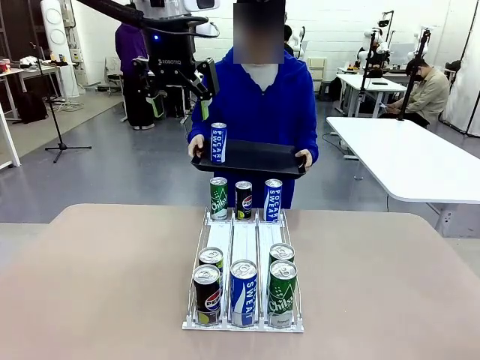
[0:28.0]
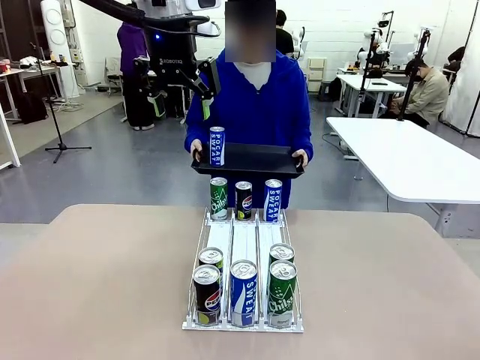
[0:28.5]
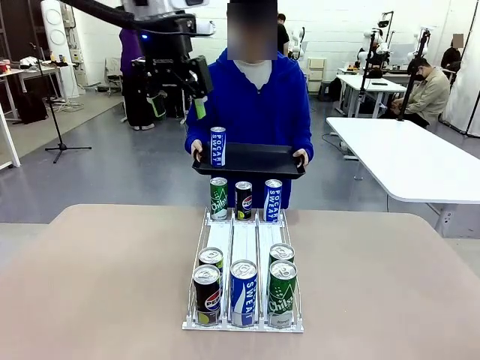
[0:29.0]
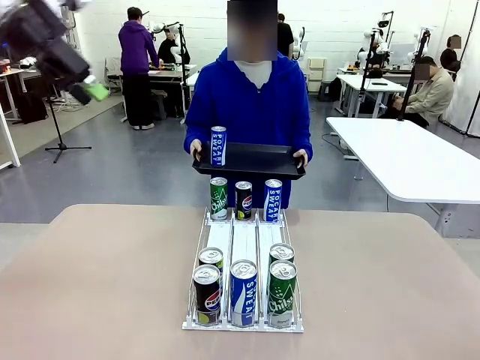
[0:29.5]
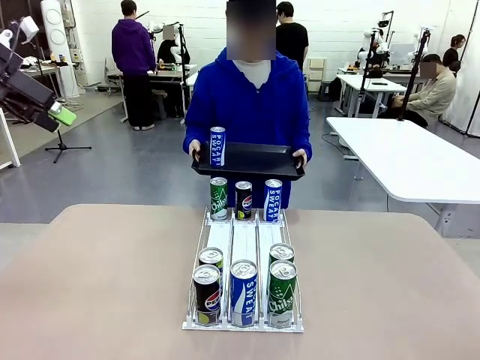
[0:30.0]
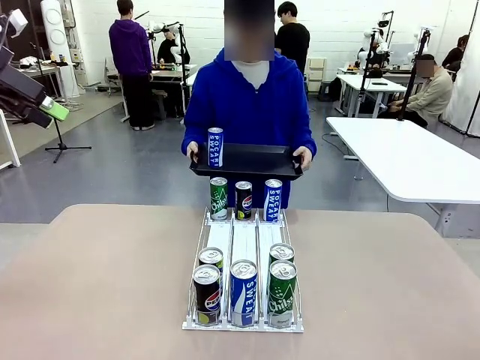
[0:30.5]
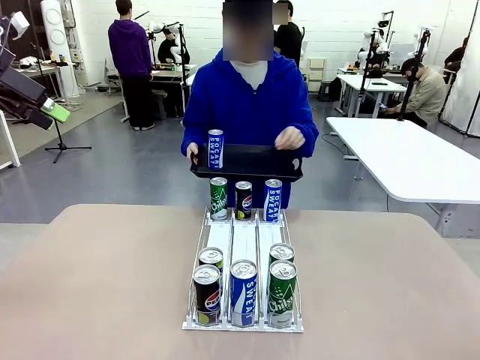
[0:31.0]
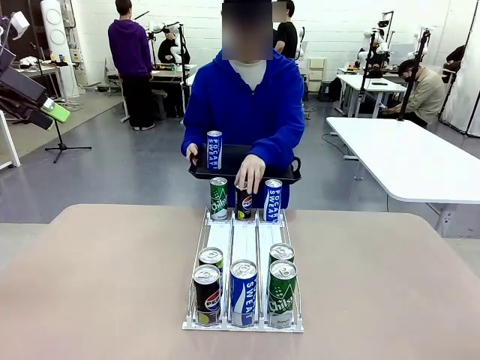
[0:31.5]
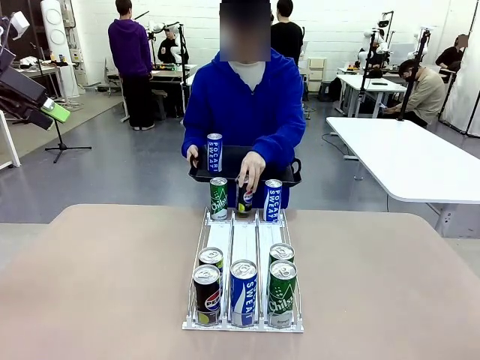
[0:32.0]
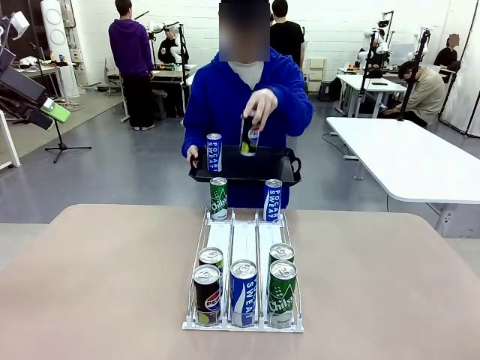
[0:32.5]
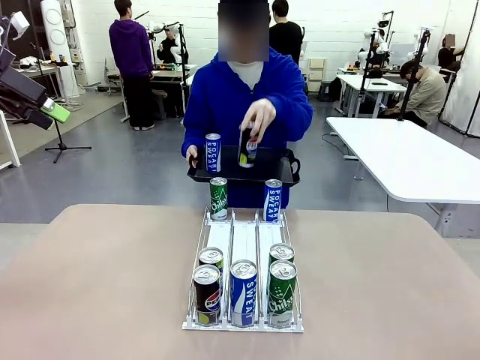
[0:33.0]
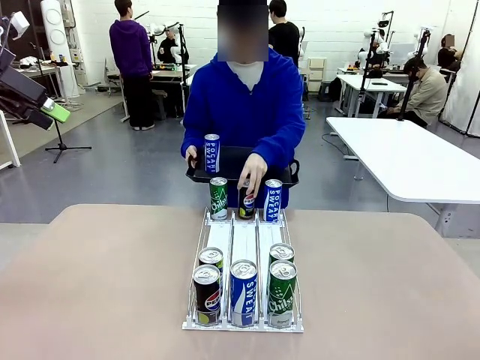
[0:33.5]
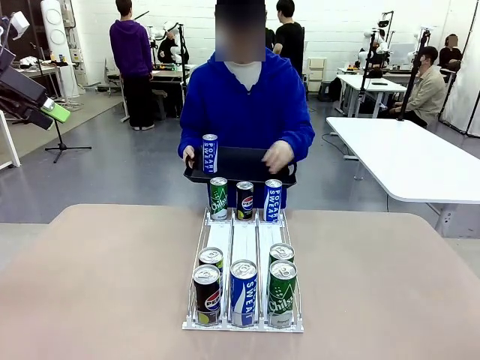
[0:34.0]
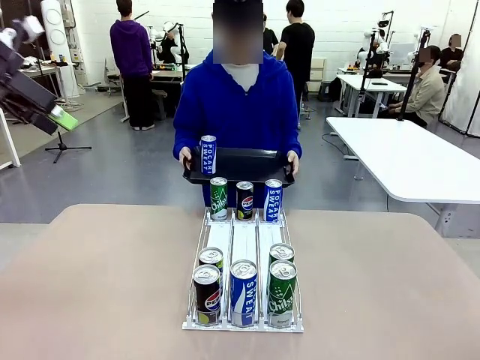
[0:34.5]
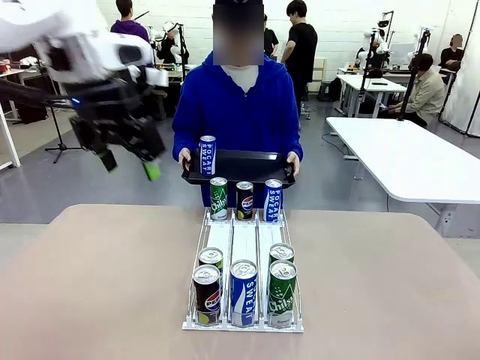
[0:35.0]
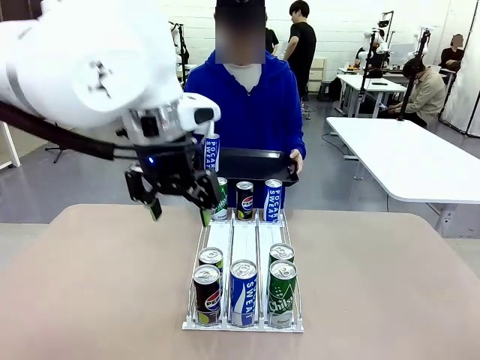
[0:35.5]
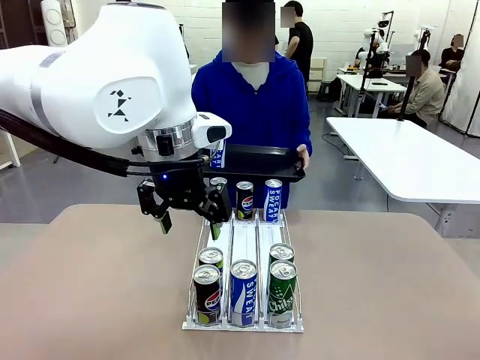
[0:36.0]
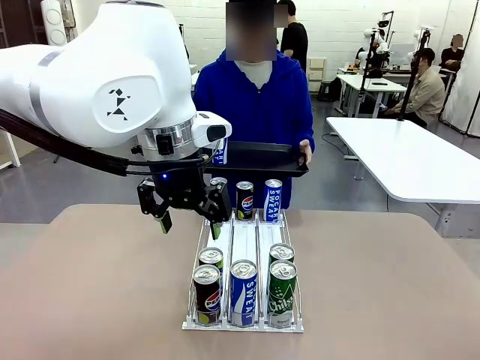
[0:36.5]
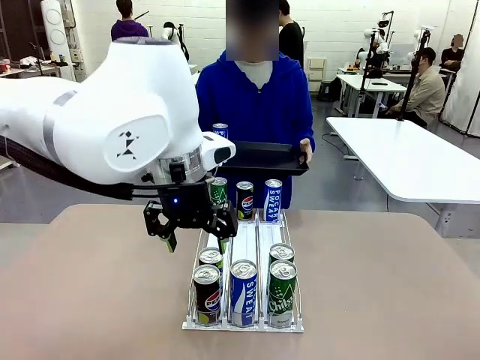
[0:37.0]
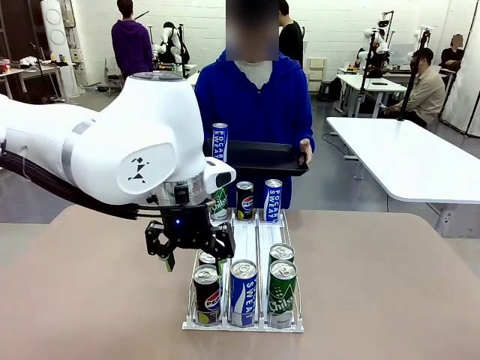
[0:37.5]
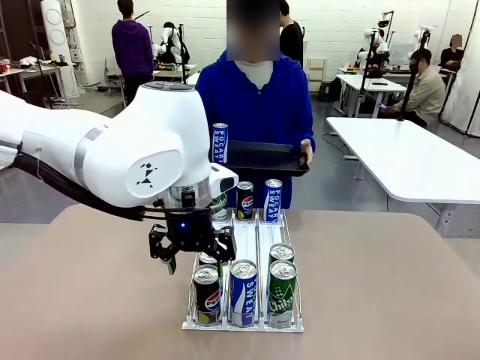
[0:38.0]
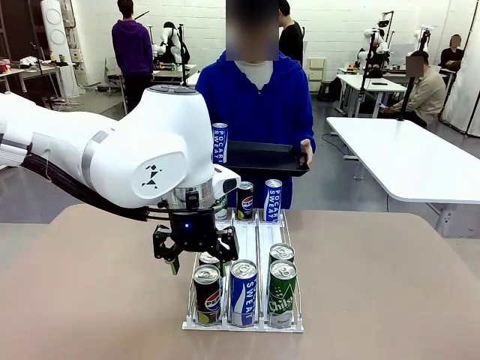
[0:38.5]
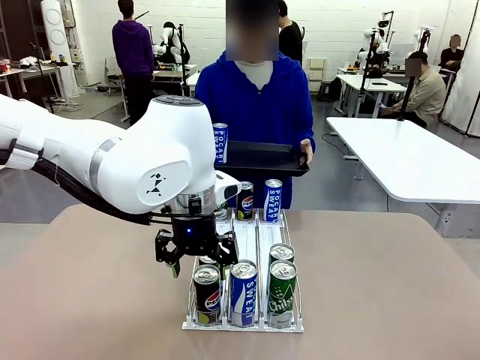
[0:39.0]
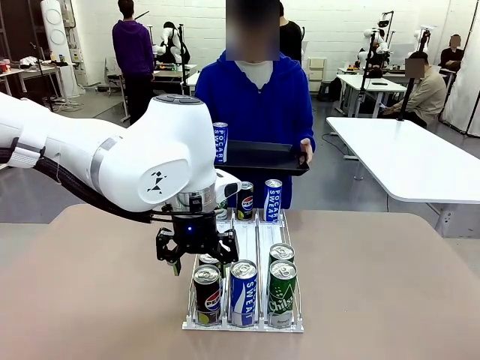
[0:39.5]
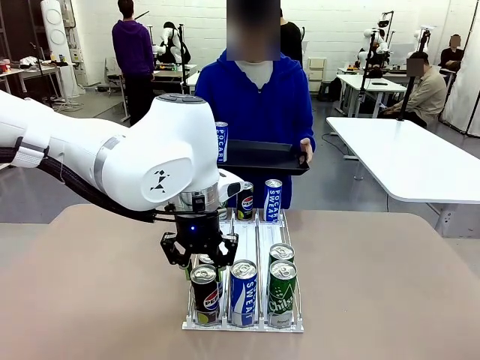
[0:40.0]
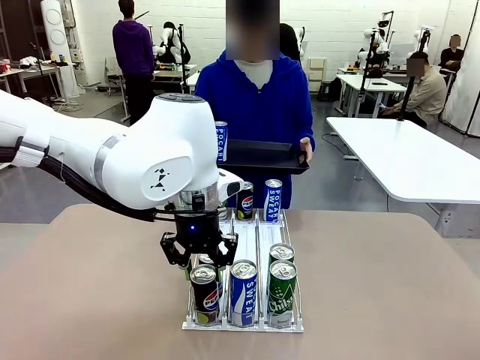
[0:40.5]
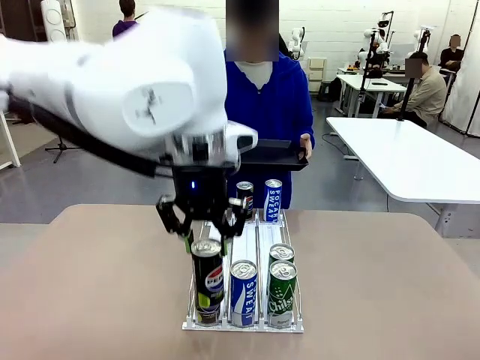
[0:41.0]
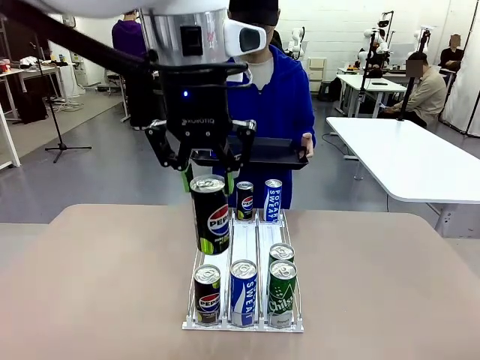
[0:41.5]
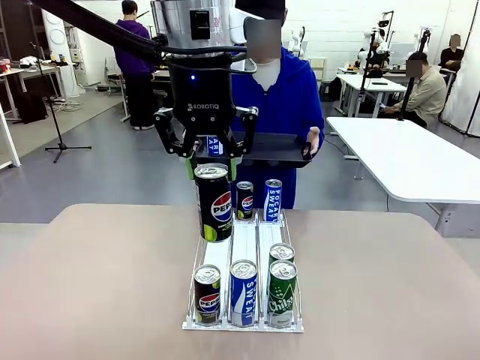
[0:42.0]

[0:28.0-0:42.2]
Task: Retrieve and hand over the desired beverage to the person.
Robot: Pick up another can of the same type that the person held from the Automatic Can Dispenser.
Person: Pull the tray back, then pick up another can from the bottom area of the table and puts it back in its original place. Push the tray toward the robot again.

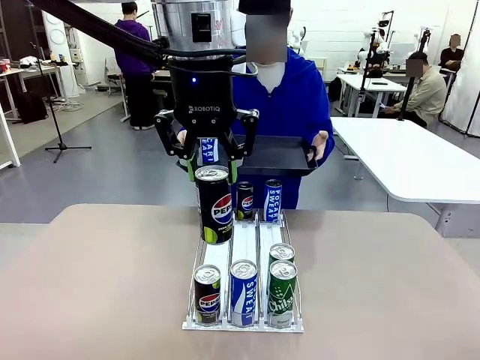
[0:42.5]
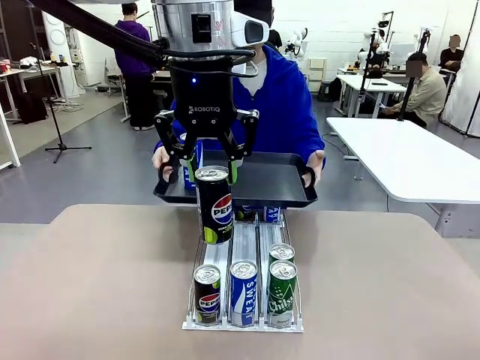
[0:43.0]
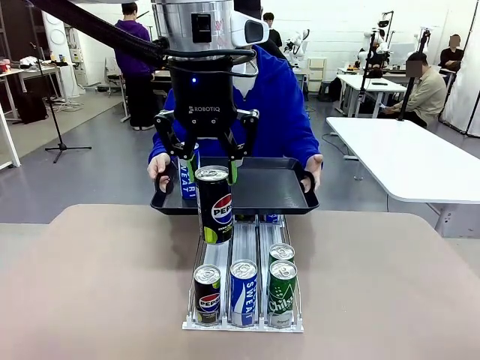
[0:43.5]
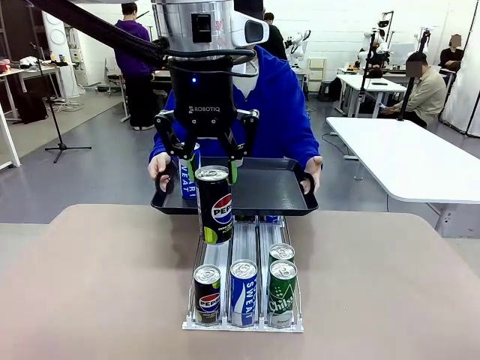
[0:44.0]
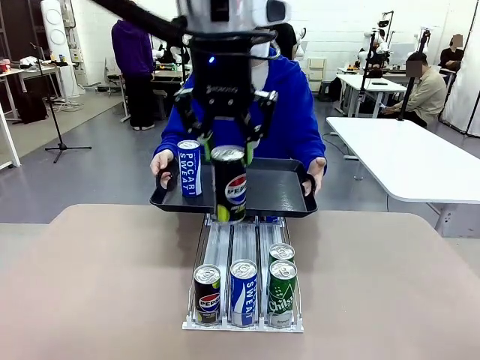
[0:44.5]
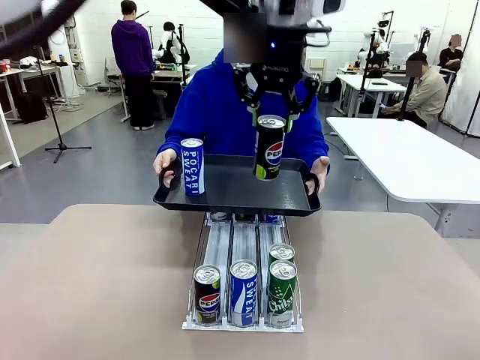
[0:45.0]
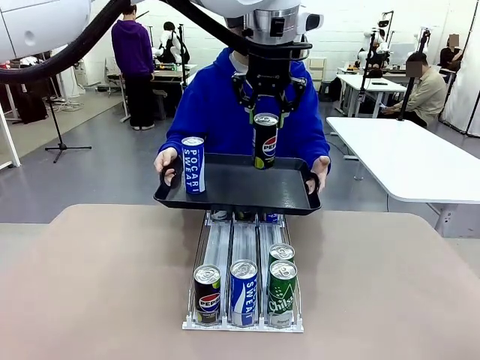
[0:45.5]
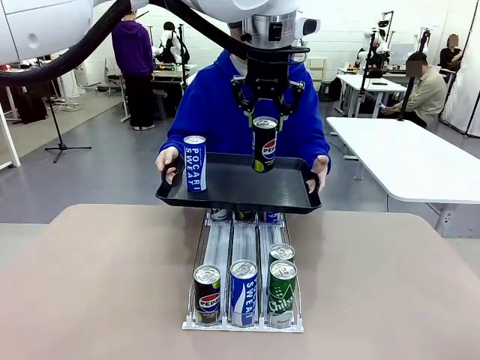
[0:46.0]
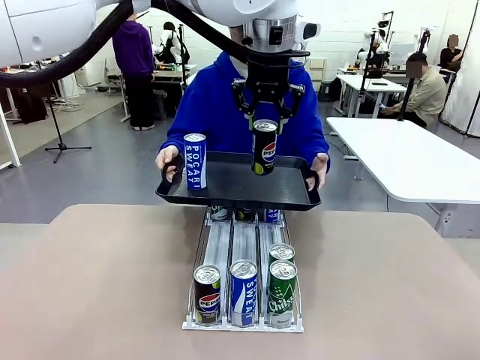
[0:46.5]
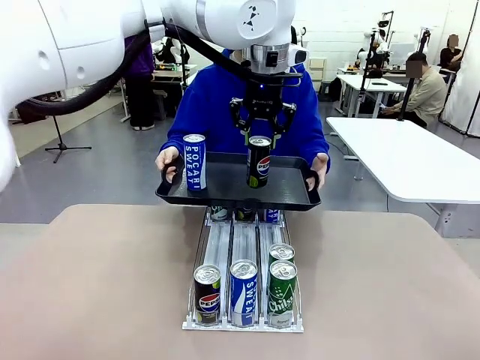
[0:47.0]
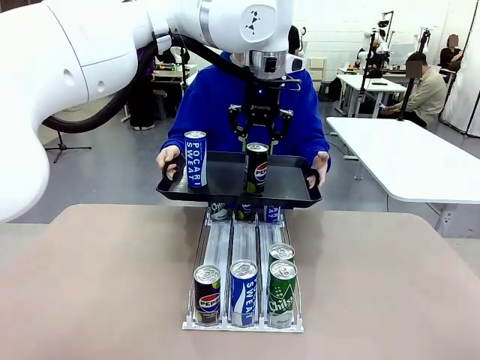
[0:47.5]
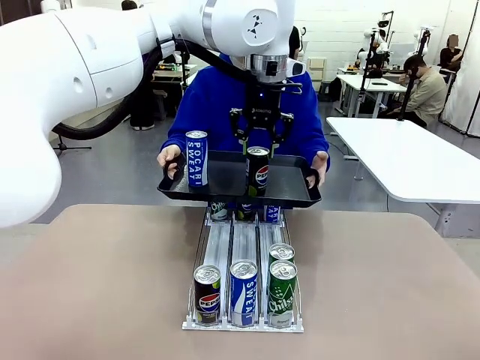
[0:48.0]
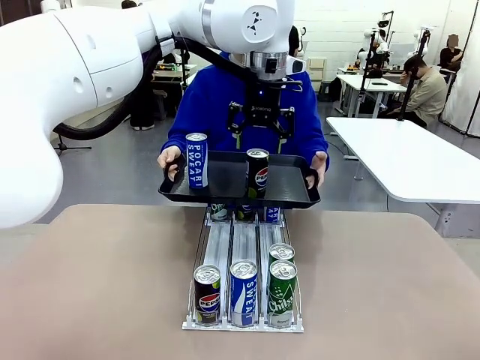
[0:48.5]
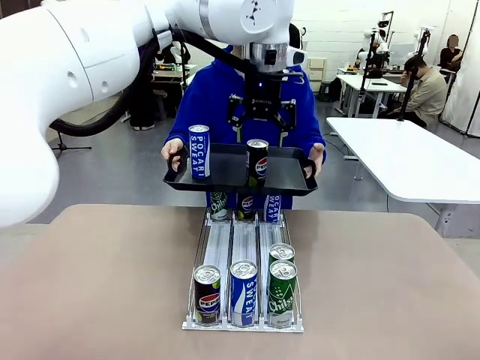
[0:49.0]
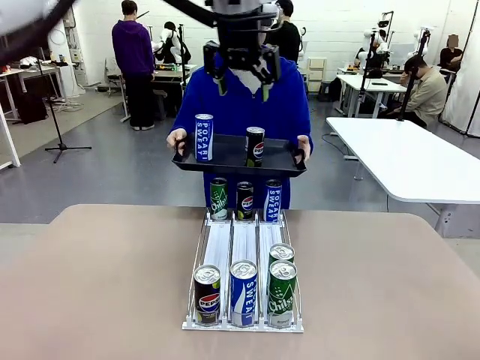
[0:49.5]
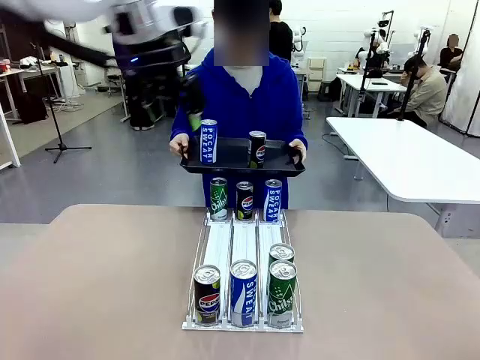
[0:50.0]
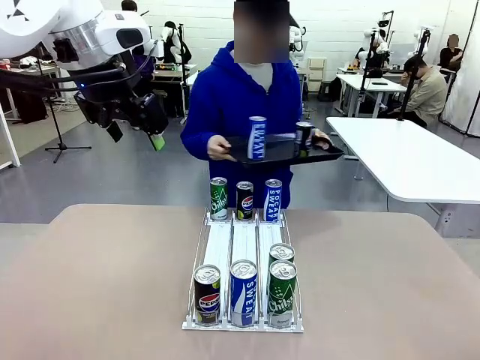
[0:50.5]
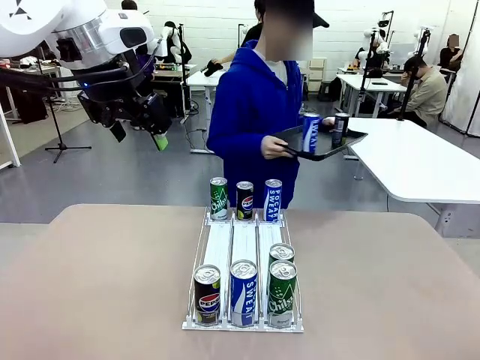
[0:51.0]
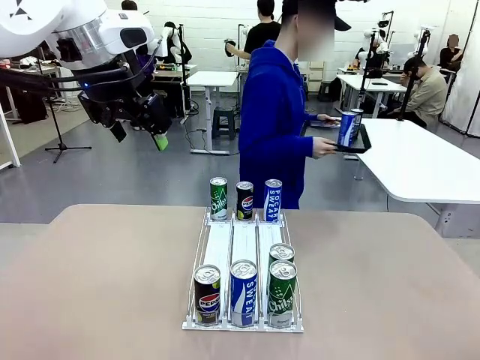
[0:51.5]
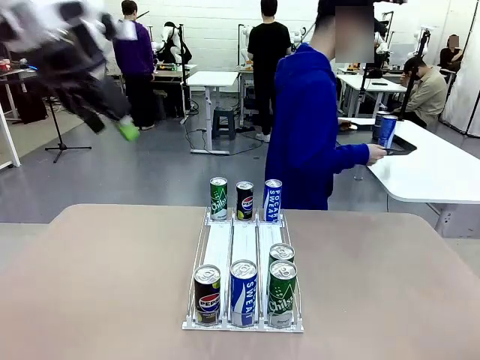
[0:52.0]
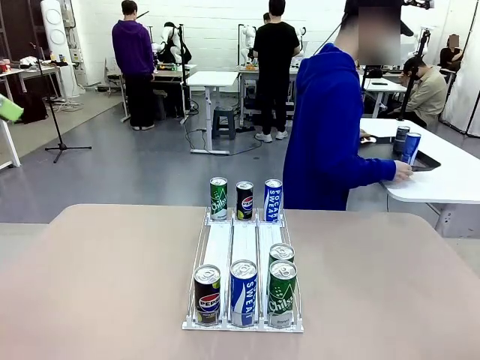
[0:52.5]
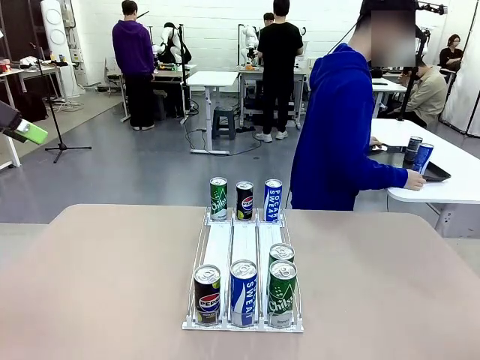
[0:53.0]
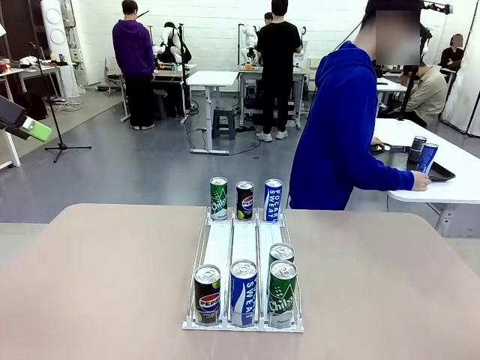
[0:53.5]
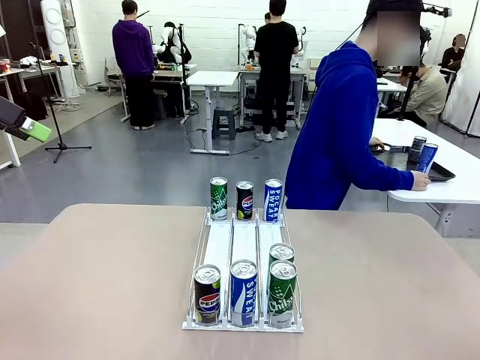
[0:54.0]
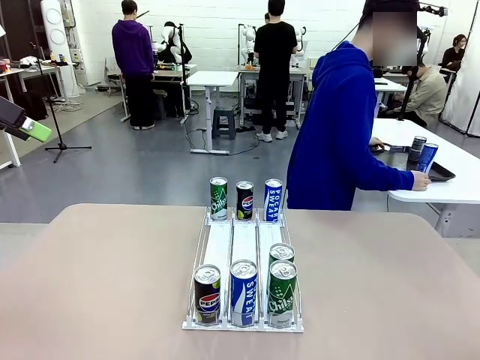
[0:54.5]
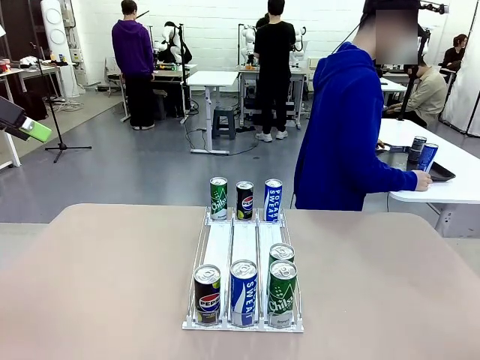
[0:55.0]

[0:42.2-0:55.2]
Robot: Place the picked can on the Handle tray extended by the person.
Person: Pull the tray back and place it at the center of the human table.
